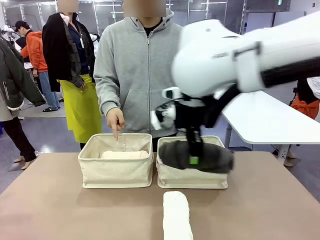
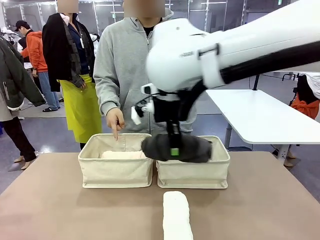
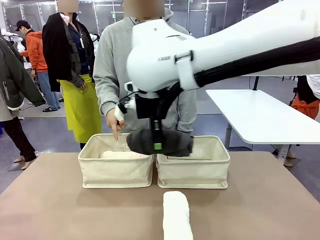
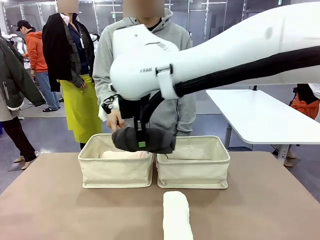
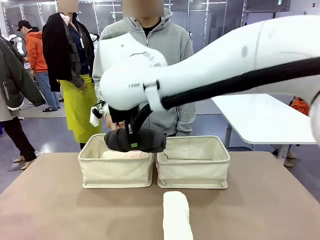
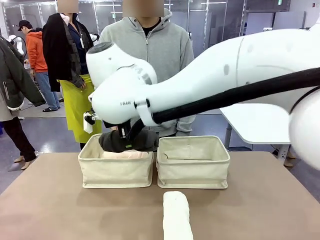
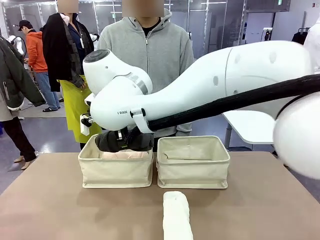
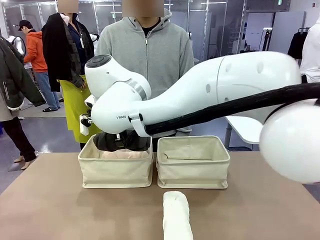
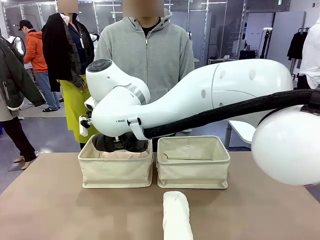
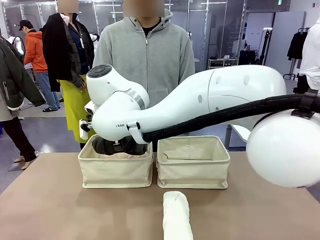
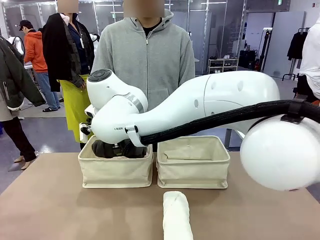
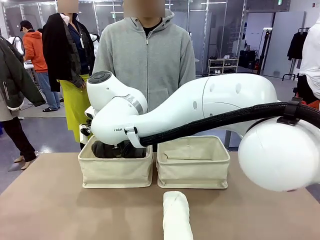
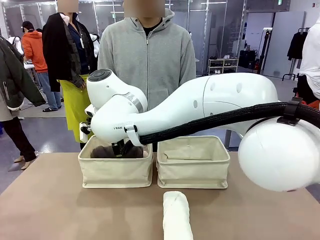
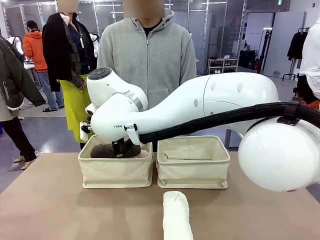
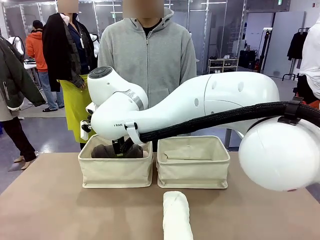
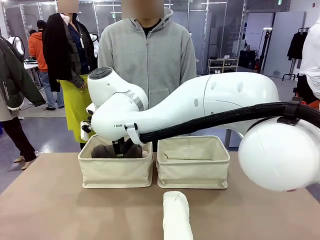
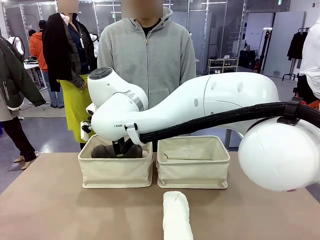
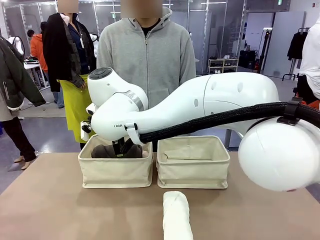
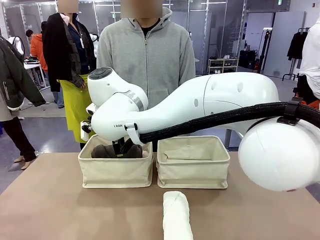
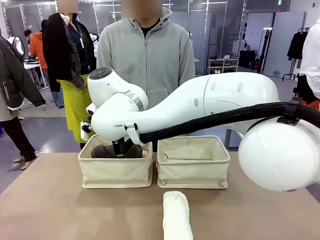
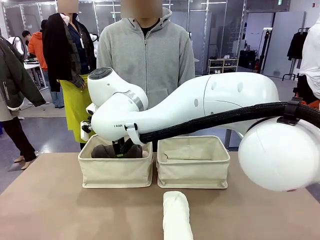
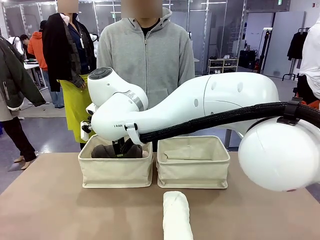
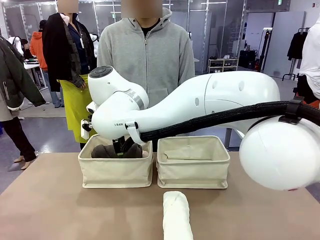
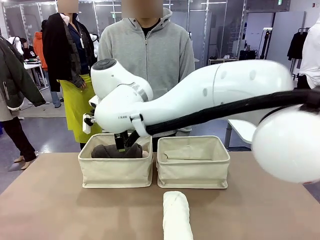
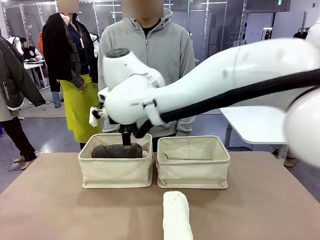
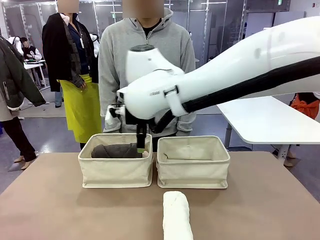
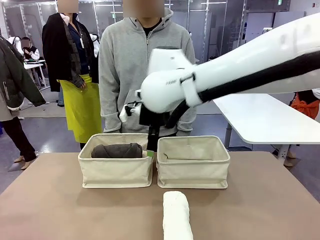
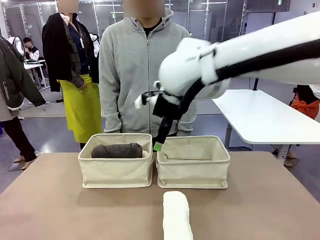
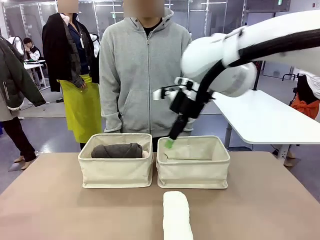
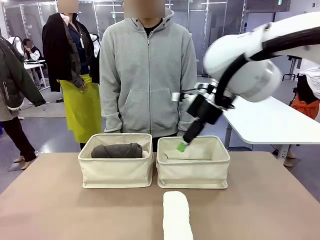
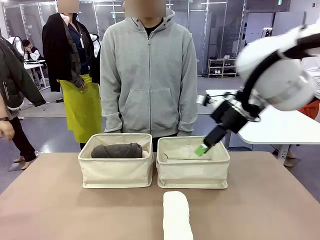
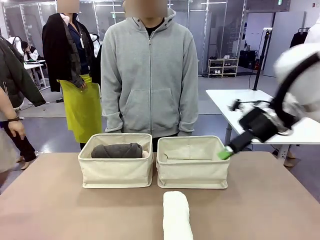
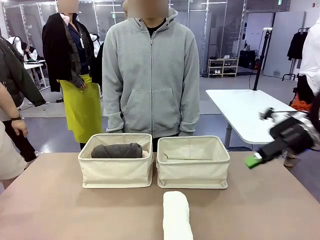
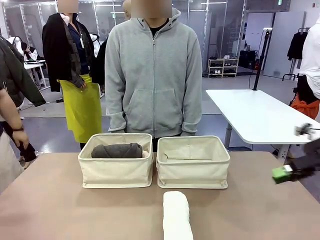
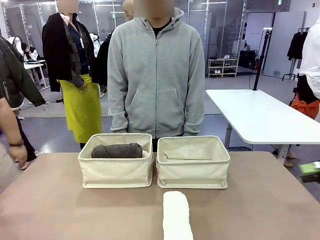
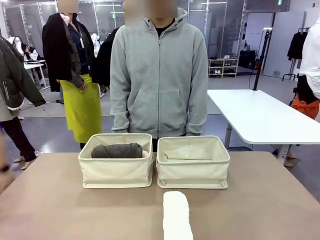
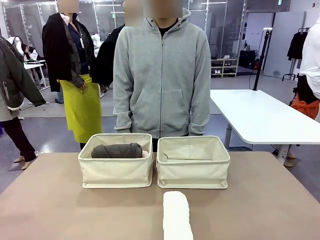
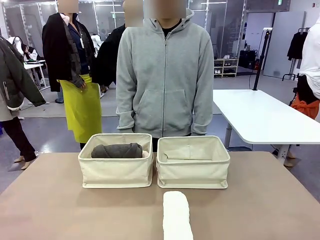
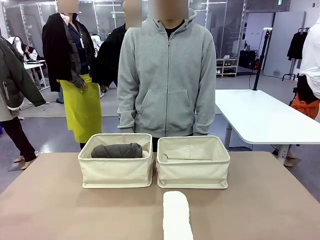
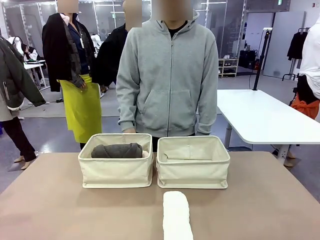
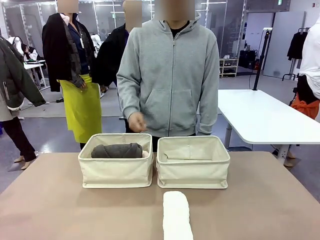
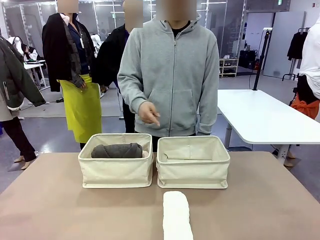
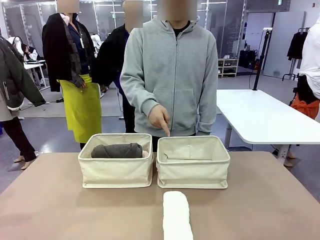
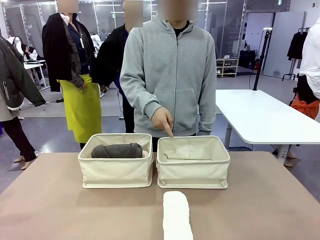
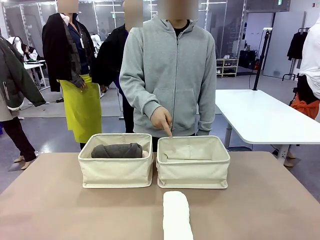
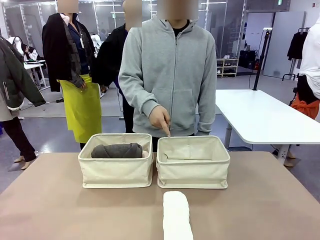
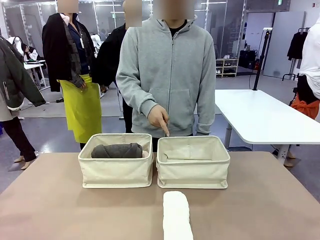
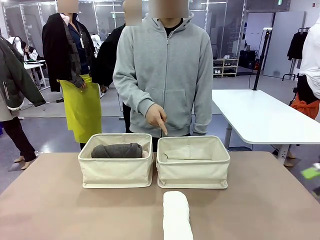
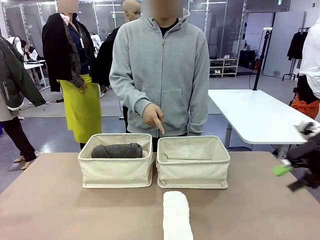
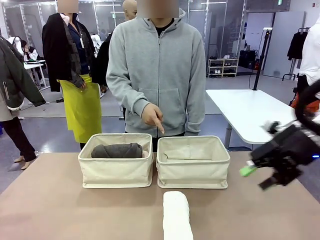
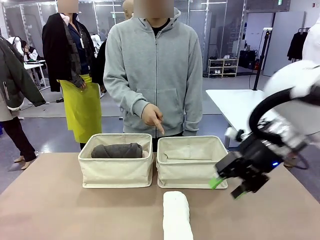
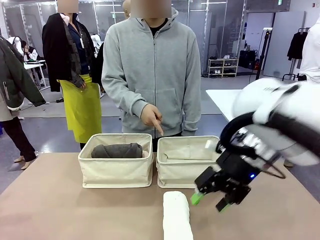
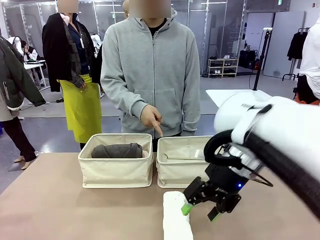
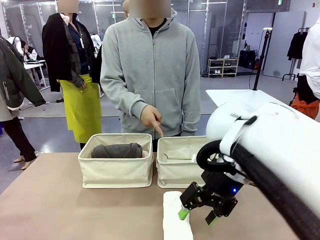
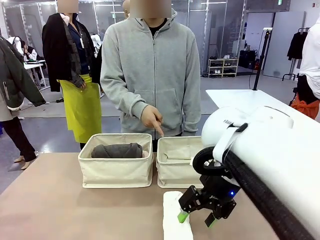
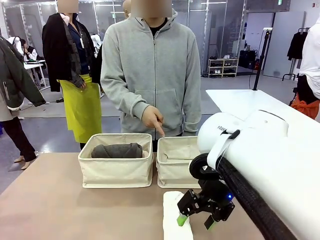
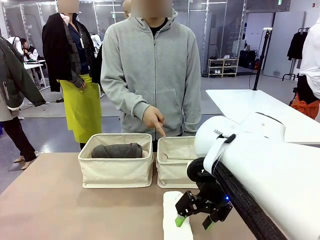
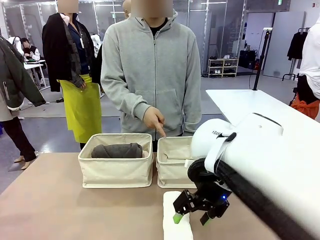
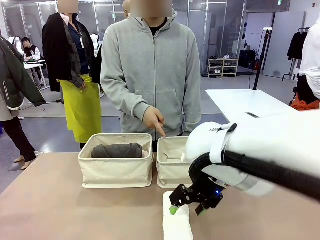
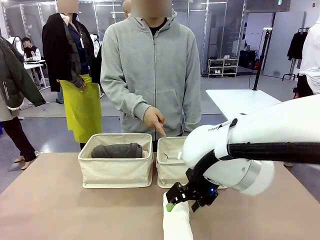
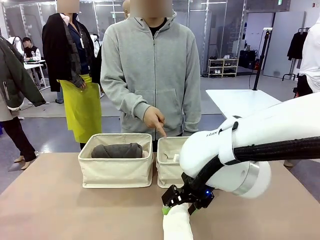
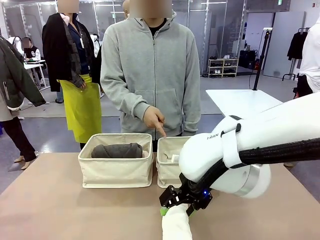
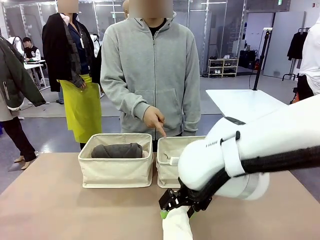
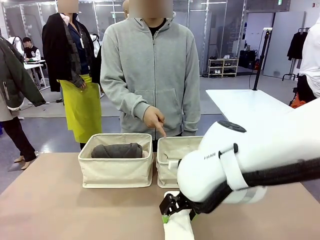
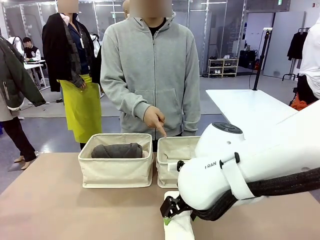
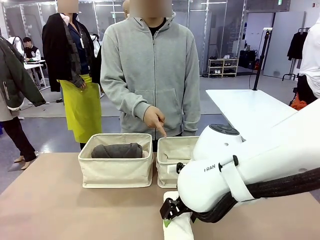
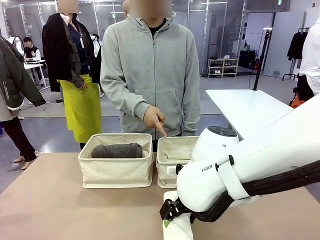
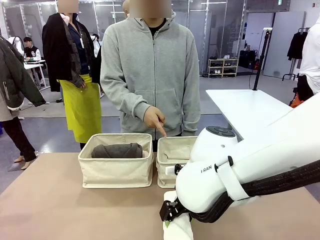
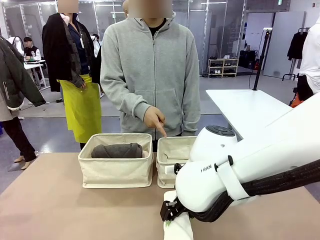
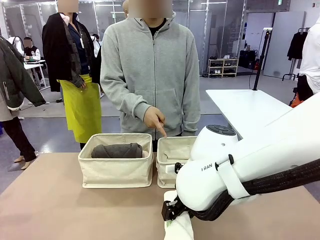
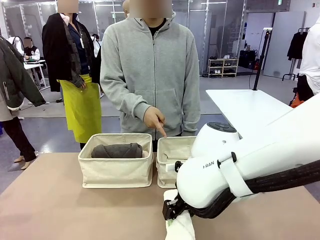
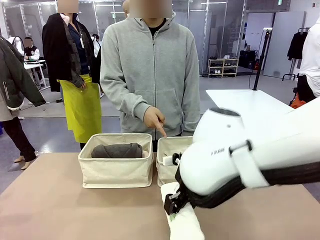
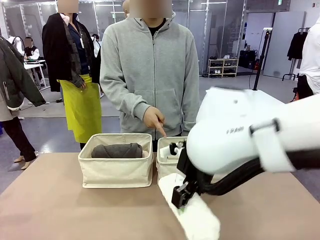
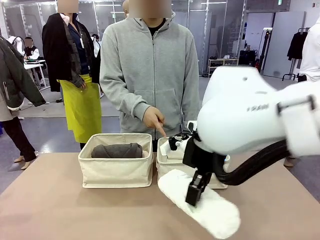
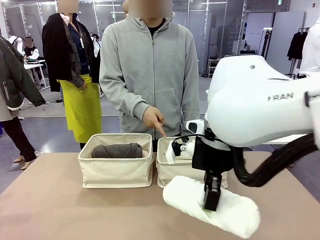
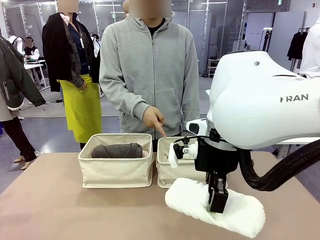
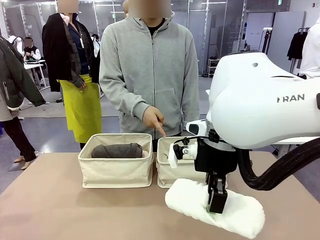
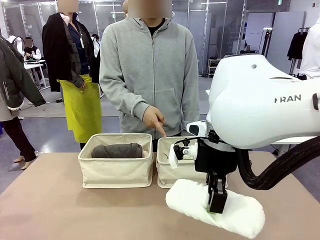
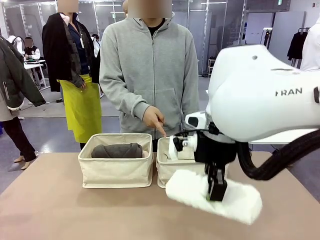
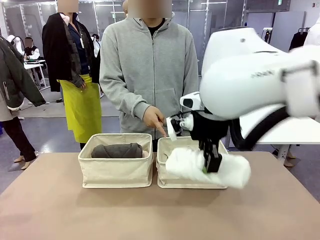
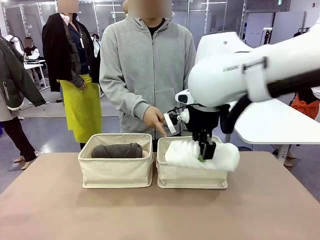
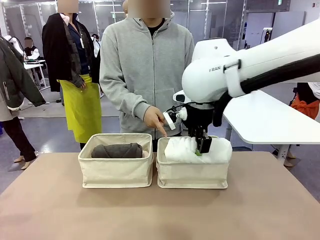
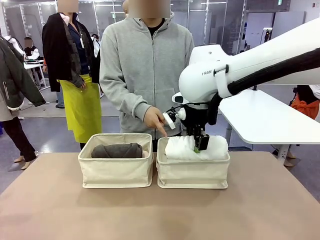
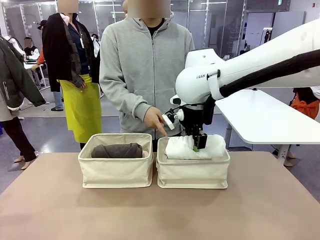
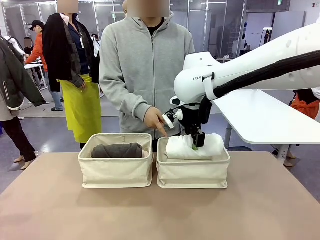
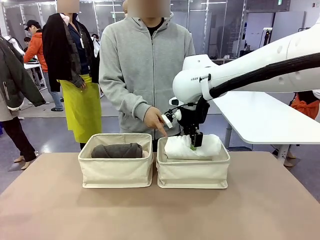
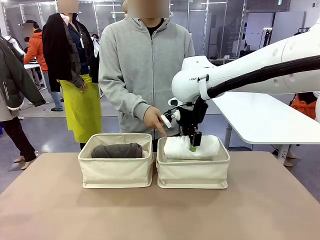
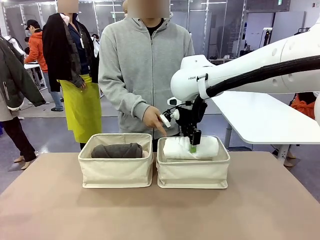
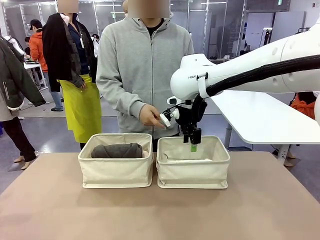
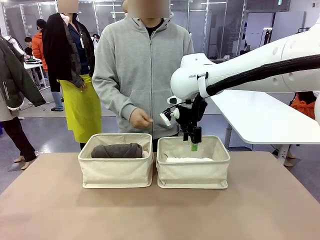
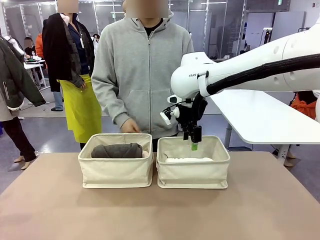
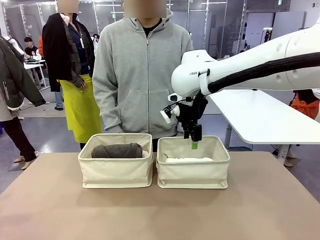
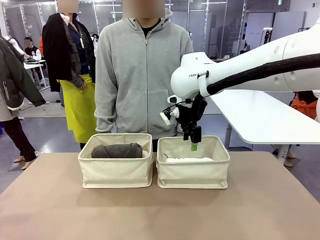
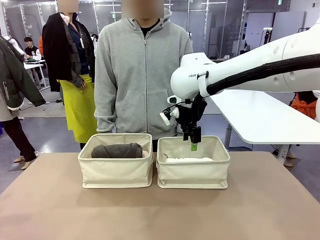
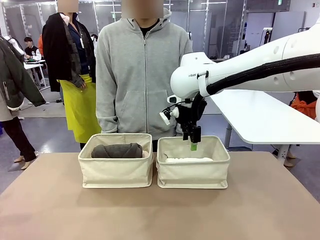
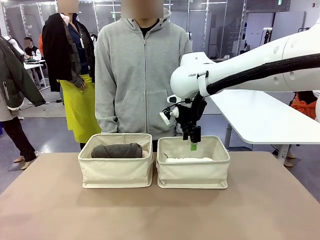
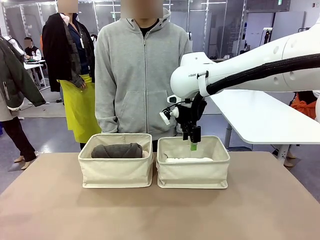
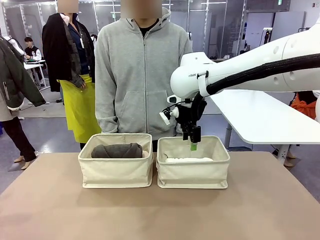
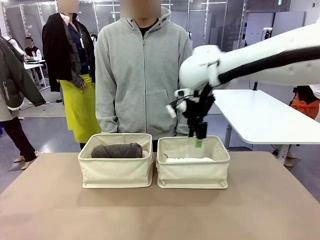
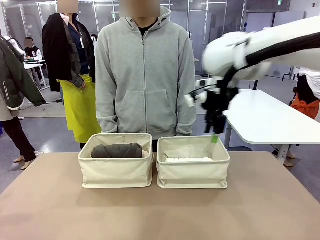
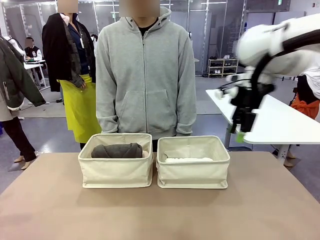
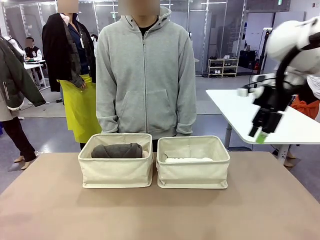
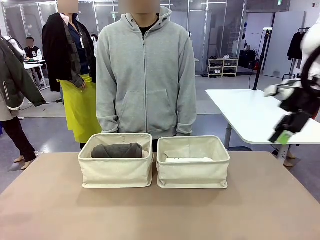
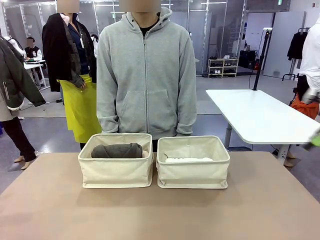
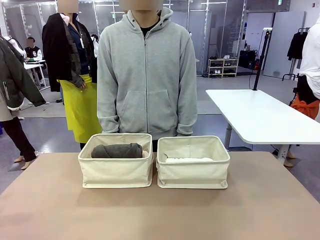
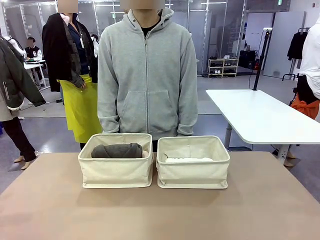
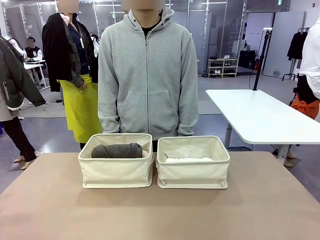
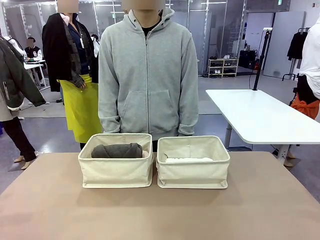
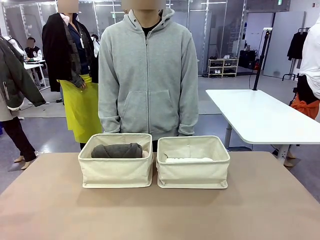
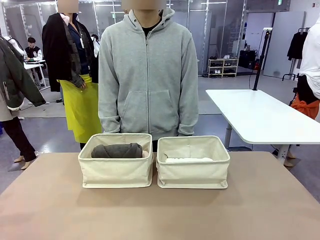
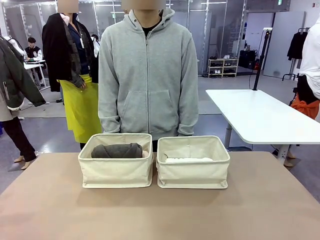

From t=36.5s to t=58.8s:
Task: Divide the towels into two baskets.
Robot: Pick up one hotel-folded towel from the bottom of the table and place it in the Fabric basket indicated by the person.
